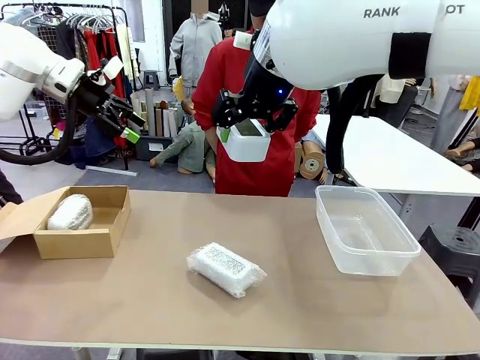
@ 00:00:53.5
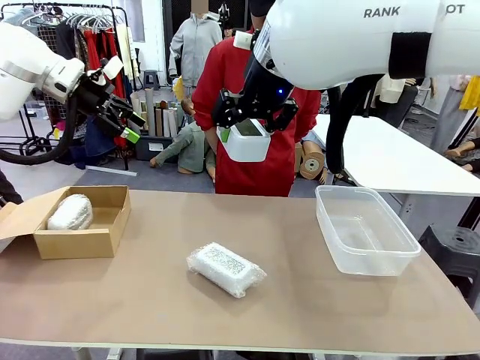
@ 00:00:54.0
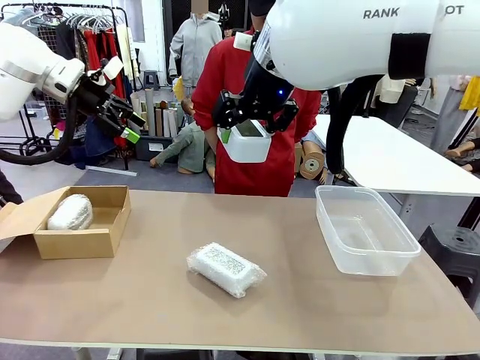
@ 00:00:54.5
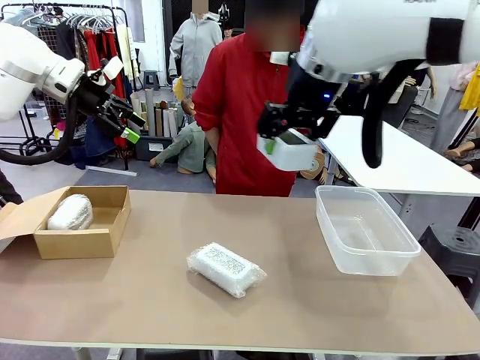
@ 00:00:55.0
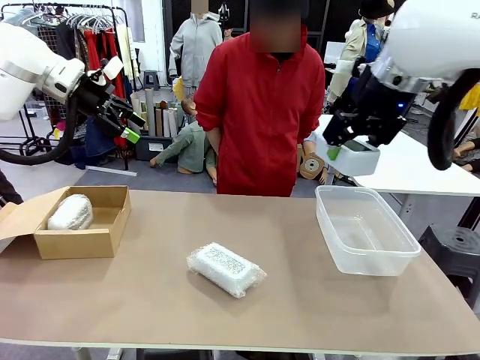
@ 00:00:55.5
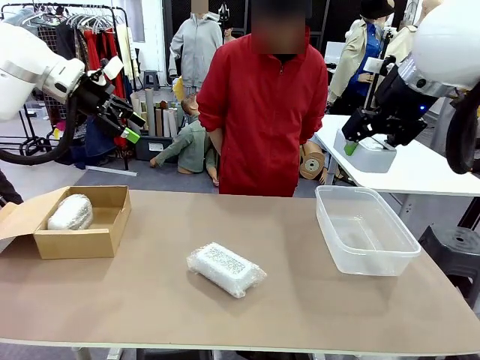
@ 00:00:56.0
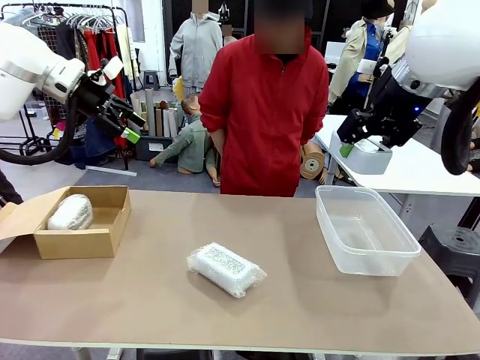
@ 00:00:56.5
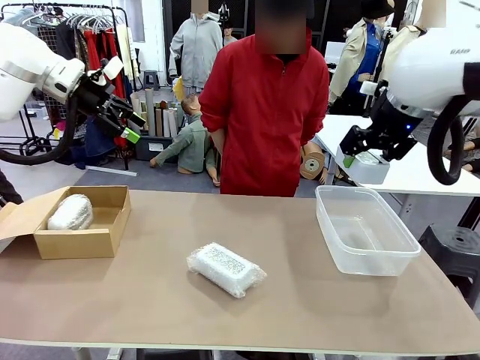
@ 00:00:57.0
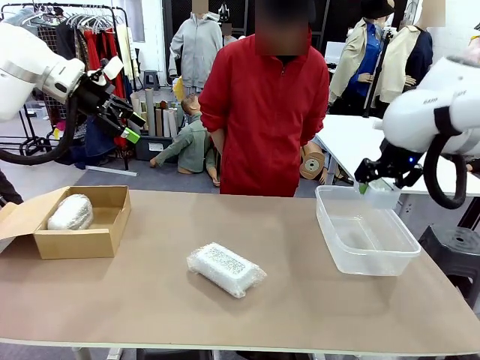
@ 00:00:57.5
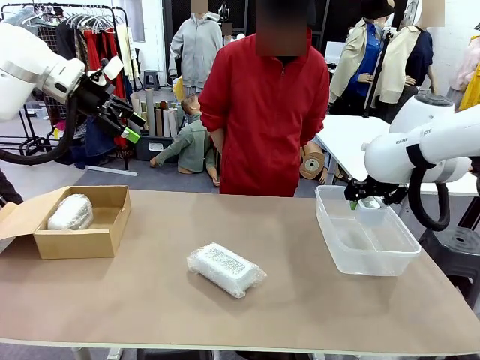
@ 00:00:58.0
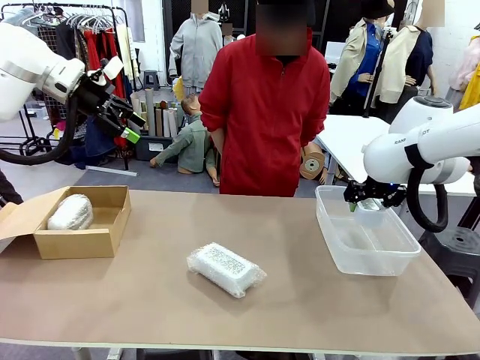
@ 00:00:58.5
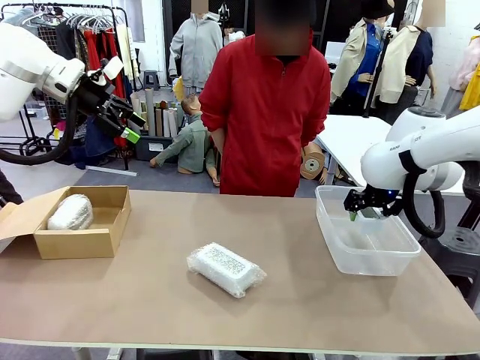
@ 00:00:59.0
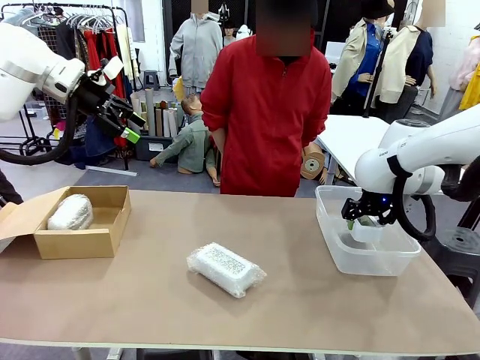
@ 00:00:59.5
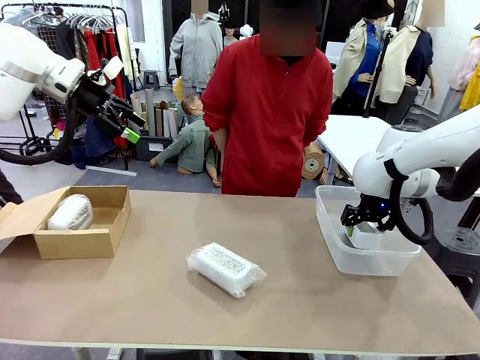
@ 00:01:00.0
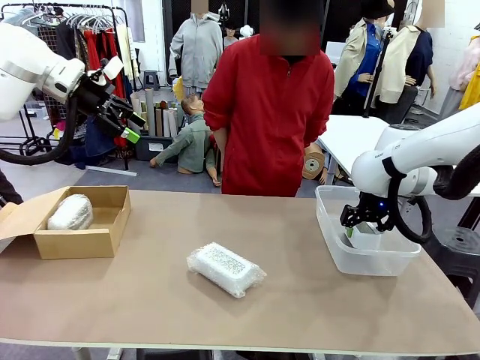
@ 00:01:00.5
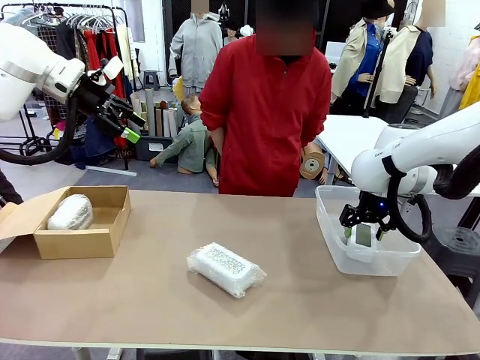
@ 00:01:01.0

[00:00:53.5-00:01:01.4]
Task: Separate and place wrapped and unwrapped clocks.
Robot: If the picked Digital clock is wrapped, place it in the Package Box ; if not, place it in the Organizing box.

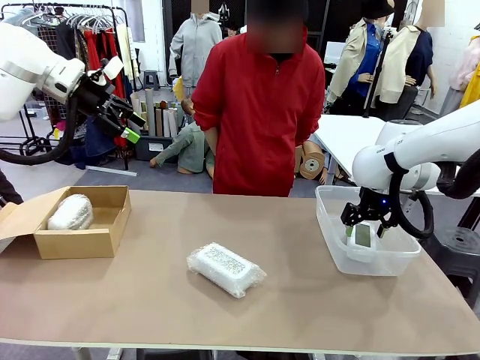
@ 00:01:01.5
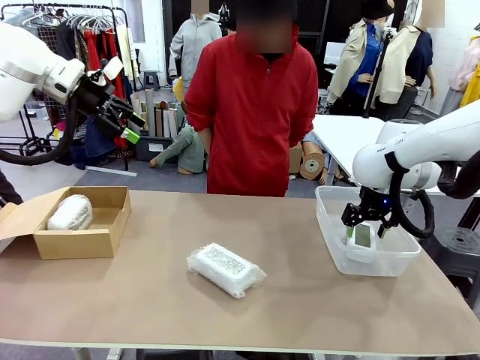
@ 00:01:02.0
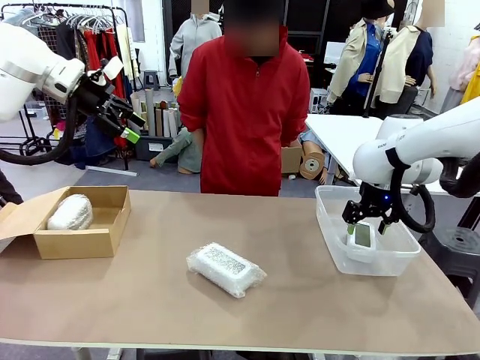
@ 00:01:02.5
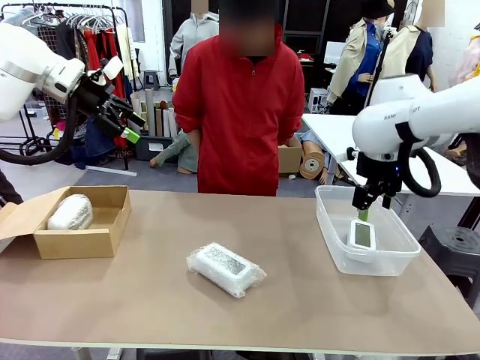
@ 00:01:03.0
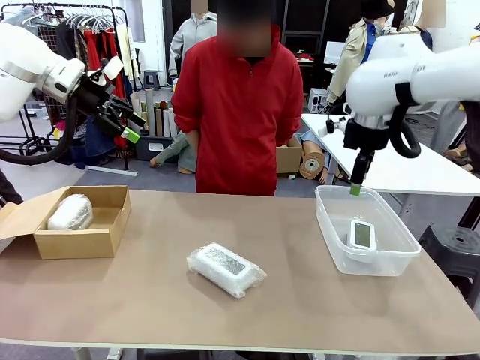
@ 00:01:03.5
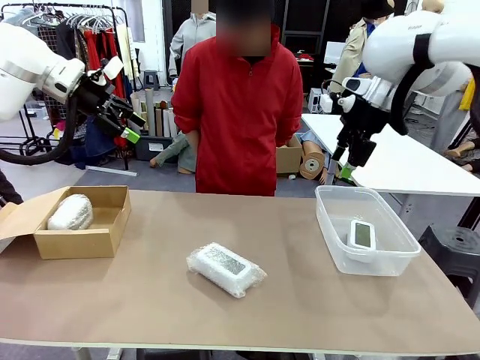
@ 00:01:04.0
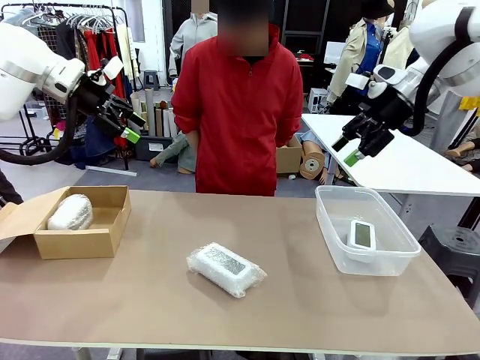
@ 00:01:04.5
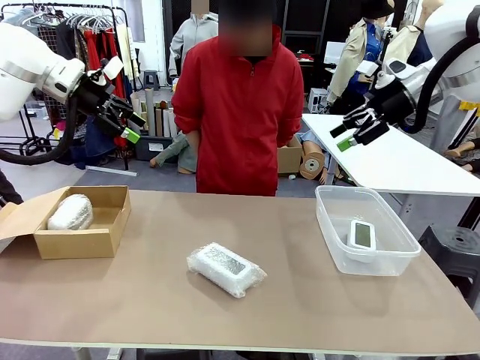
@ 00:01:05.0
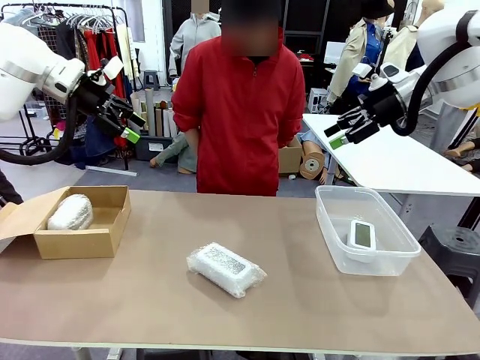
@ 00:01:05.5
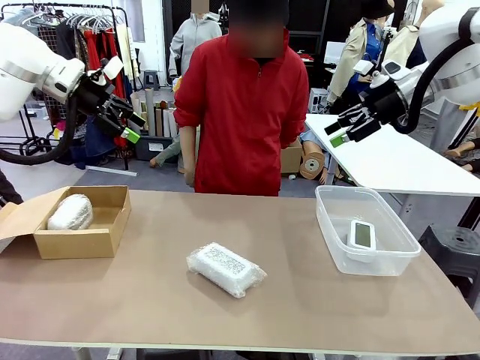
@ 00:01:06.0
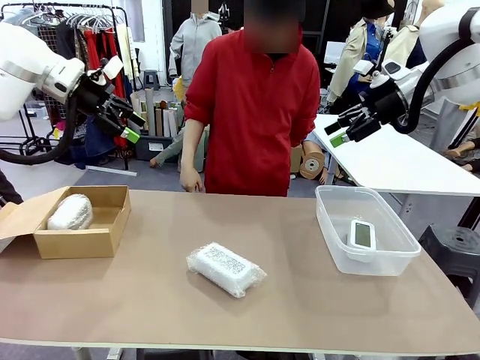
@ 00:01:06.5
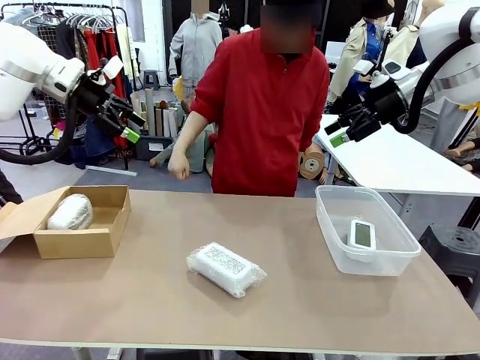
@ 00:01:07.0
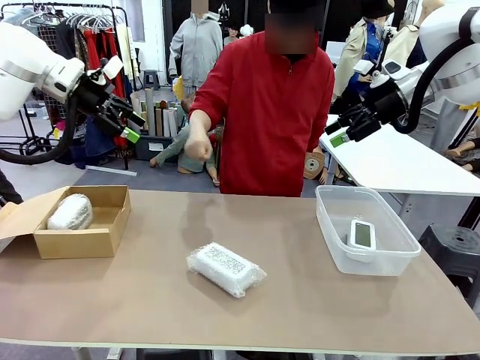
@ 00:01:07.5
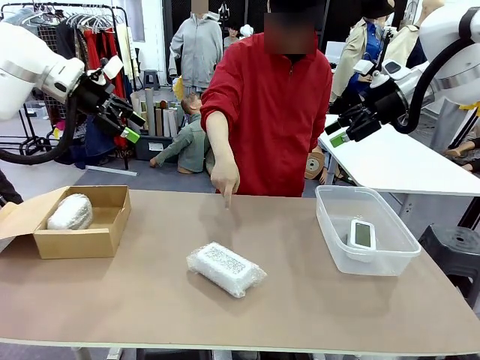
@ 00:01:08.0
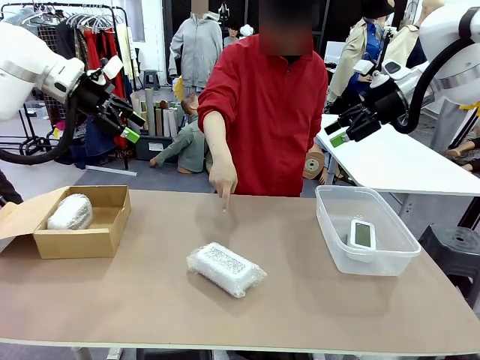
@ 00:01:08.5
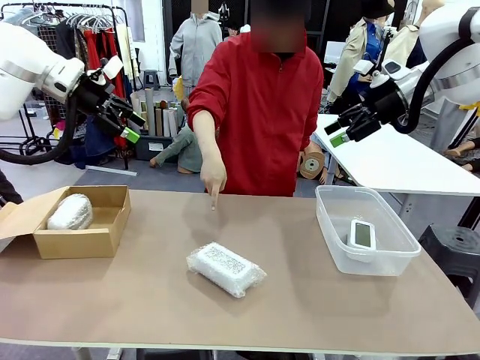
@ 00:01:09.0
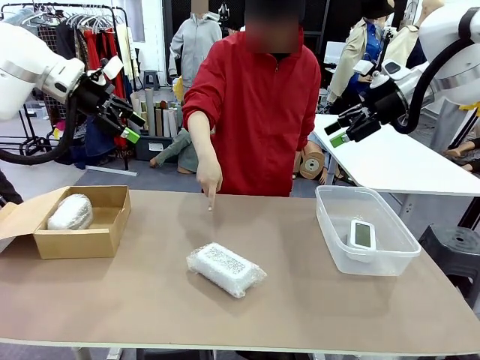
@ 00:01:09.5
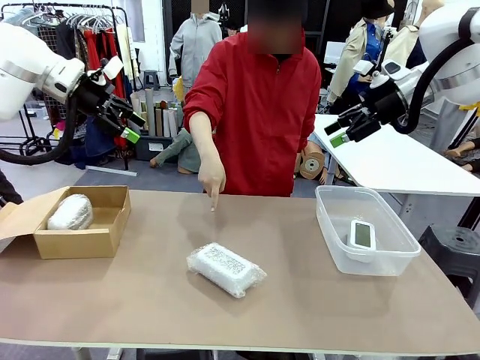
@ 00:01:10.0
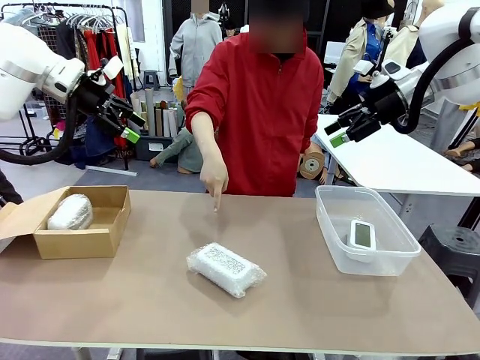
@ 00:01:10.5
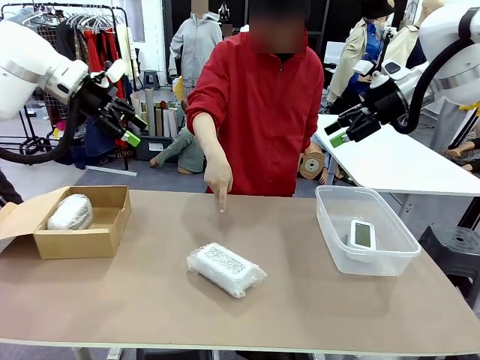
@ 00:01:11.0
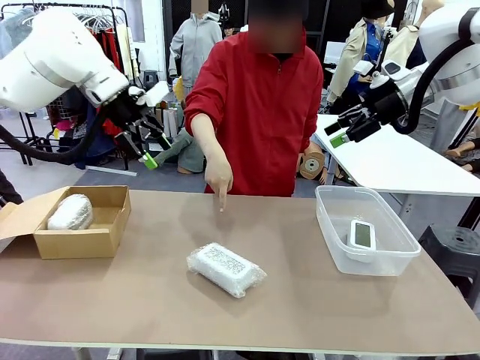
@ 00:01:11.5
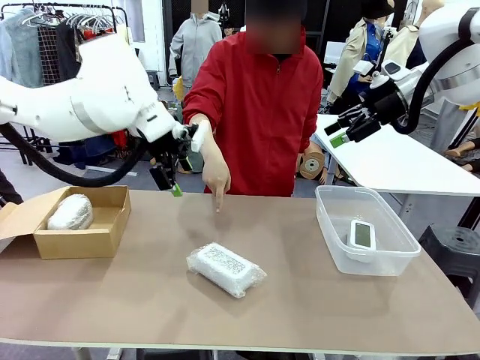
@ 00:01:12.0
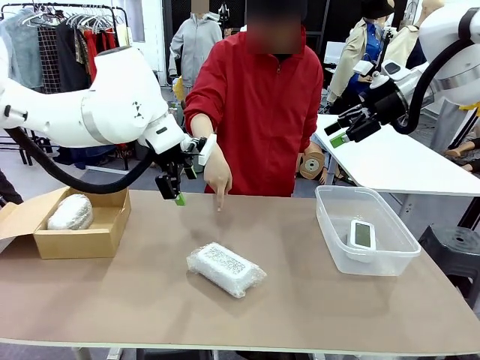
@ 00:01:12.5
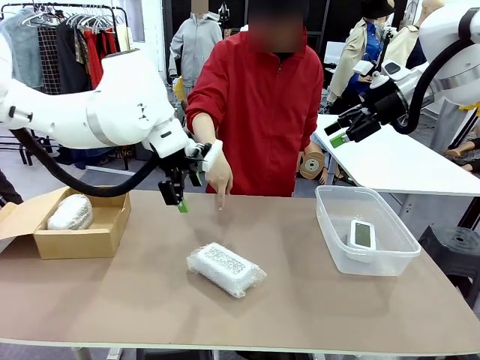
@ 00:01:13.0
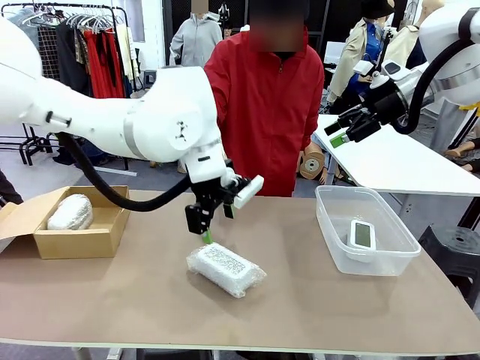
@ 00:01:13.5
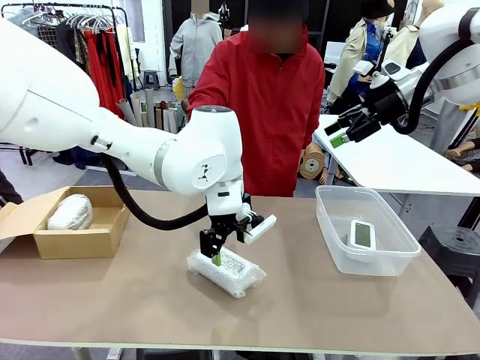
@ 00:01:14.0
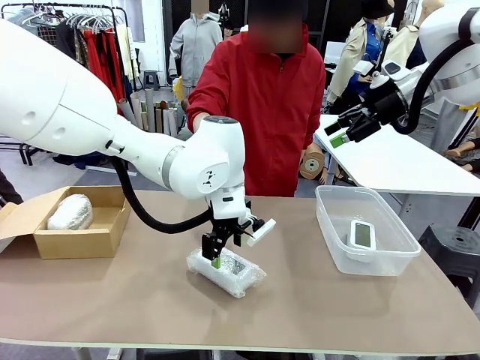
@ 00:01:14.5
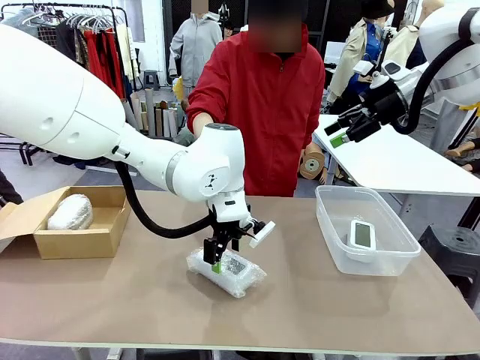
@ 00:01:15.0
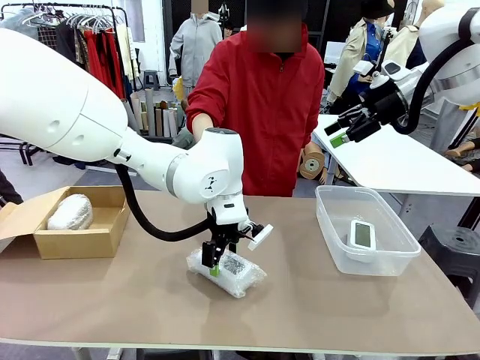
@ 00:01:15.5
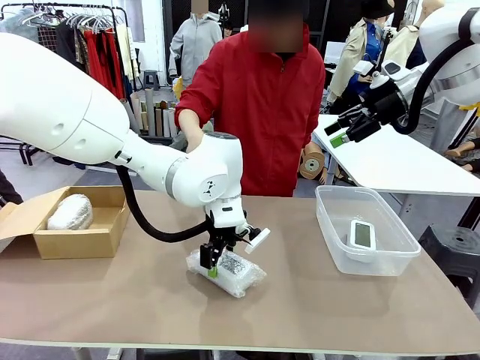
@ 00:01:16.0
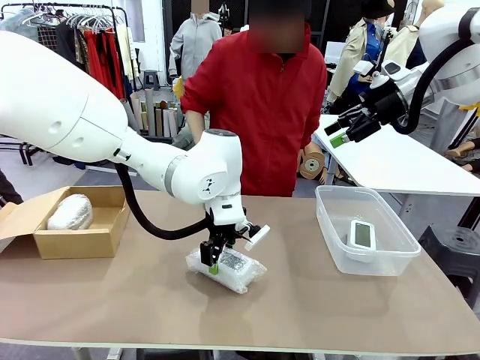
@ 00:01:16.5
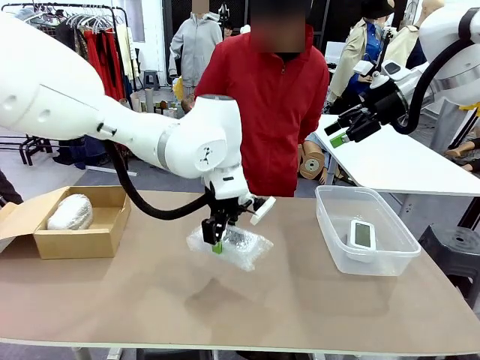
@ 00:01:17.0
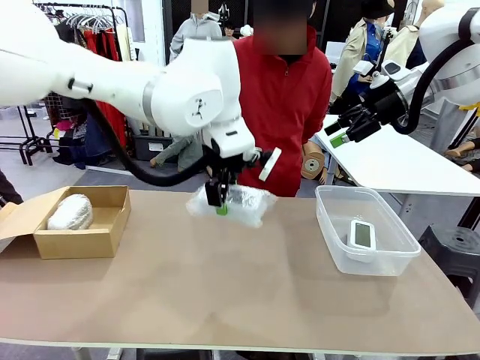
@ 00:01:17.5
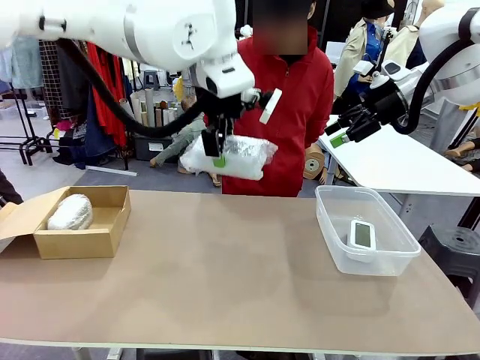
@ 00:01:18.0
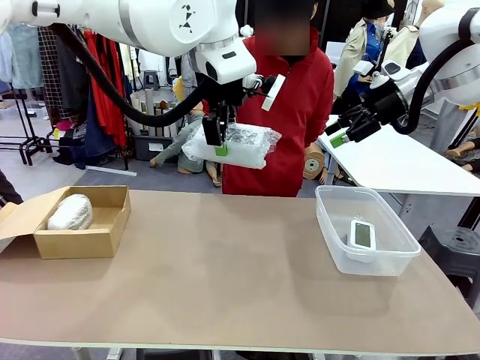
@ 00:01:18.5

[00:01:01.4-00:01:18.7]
Robot: Pick up the Digital clock indicated by the person.
